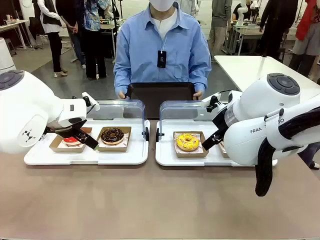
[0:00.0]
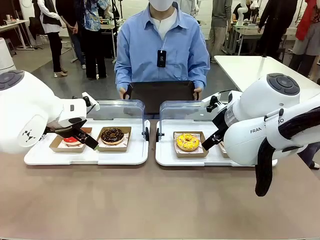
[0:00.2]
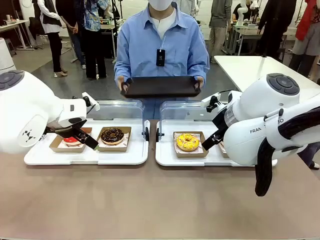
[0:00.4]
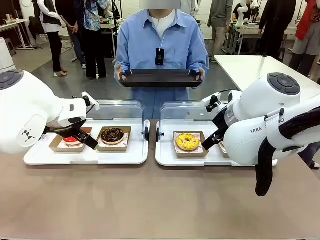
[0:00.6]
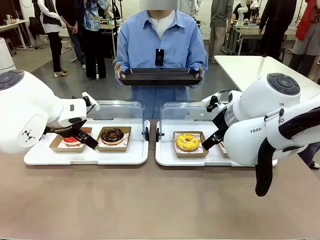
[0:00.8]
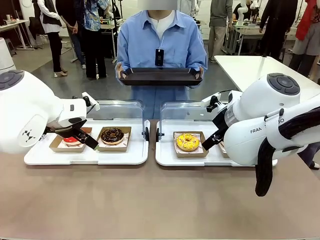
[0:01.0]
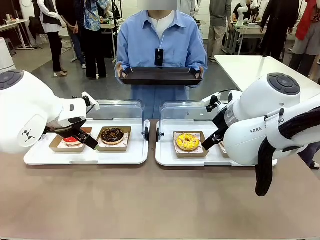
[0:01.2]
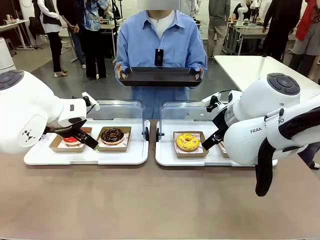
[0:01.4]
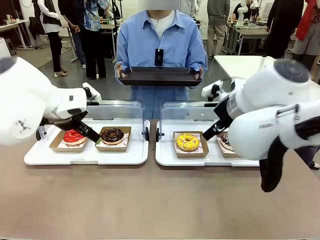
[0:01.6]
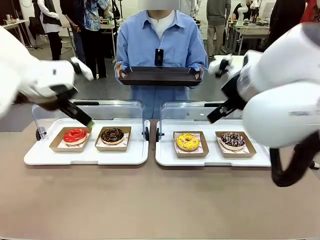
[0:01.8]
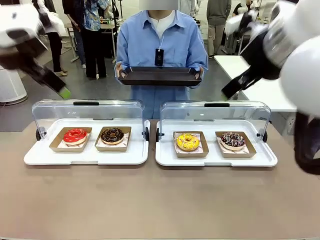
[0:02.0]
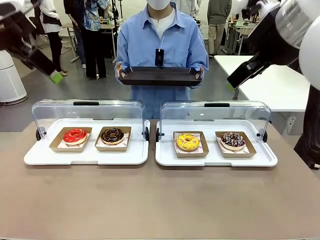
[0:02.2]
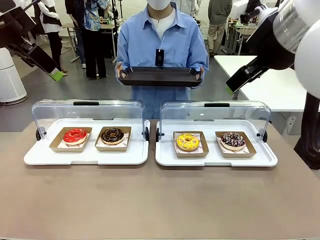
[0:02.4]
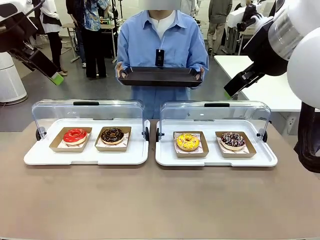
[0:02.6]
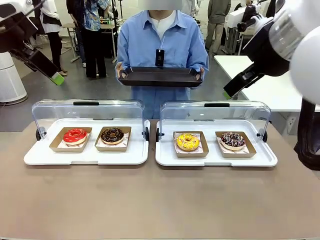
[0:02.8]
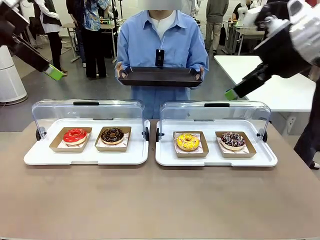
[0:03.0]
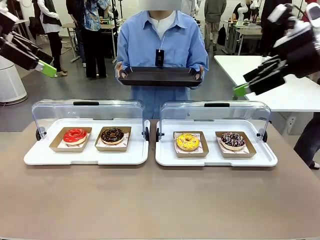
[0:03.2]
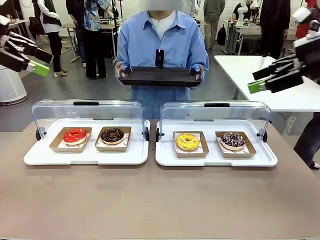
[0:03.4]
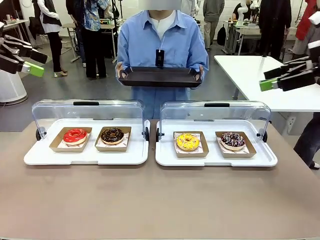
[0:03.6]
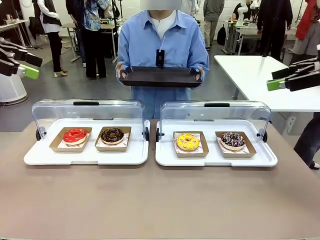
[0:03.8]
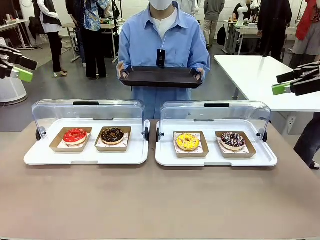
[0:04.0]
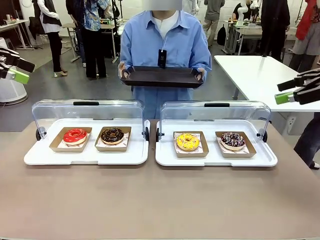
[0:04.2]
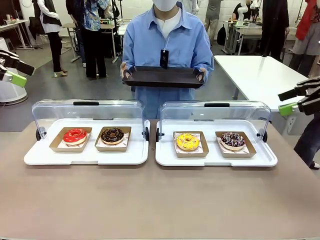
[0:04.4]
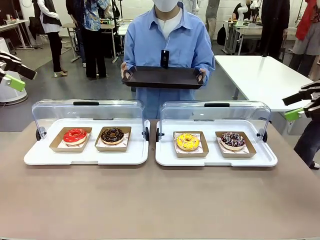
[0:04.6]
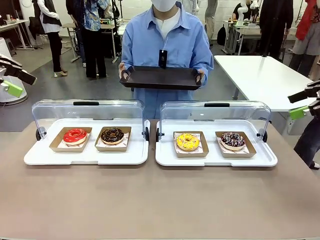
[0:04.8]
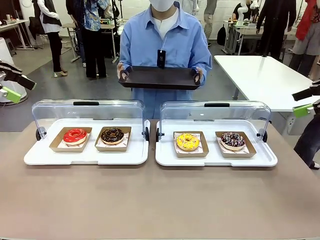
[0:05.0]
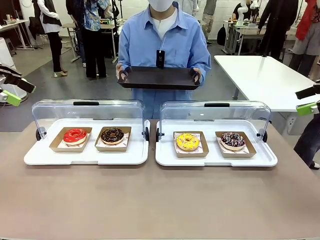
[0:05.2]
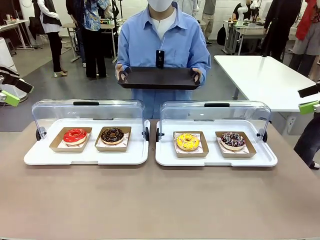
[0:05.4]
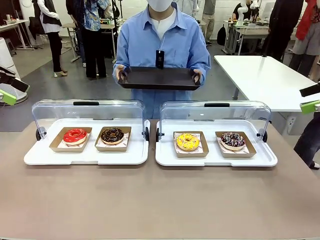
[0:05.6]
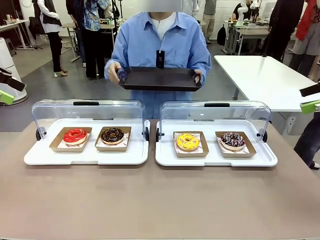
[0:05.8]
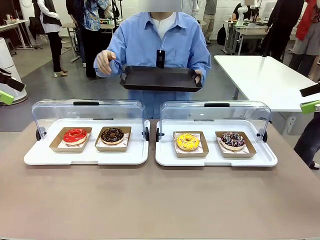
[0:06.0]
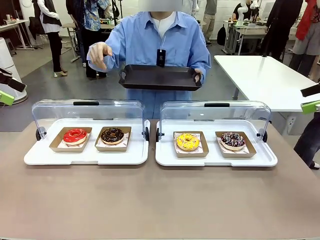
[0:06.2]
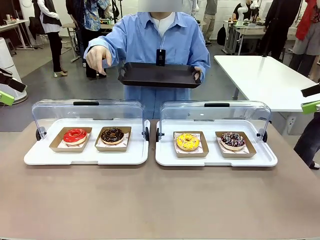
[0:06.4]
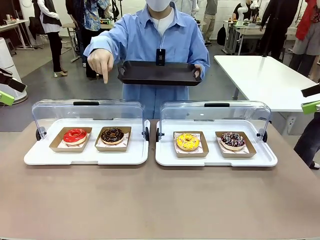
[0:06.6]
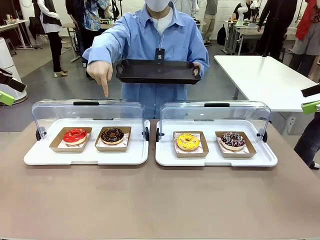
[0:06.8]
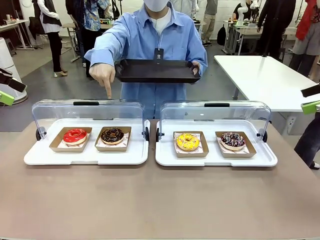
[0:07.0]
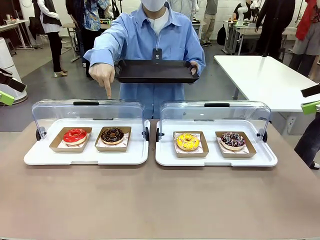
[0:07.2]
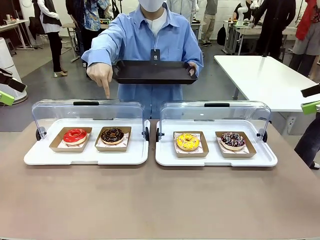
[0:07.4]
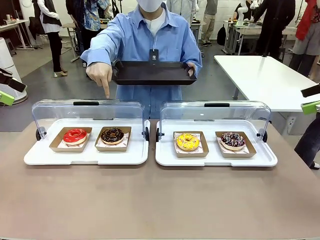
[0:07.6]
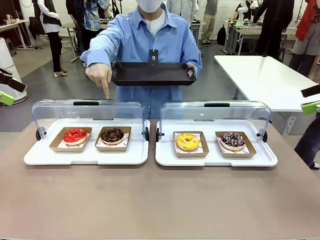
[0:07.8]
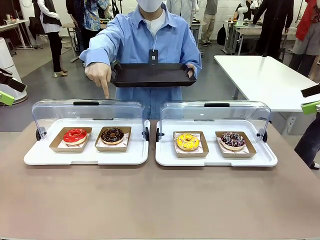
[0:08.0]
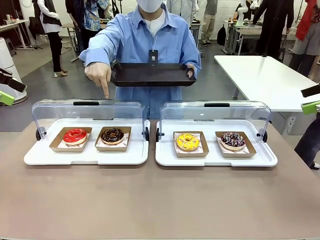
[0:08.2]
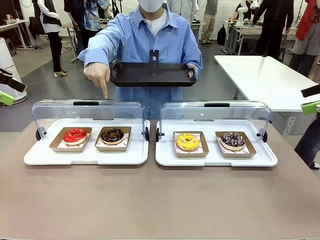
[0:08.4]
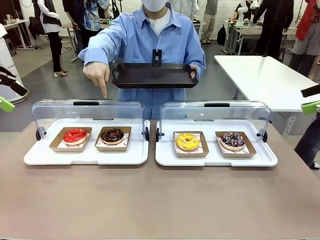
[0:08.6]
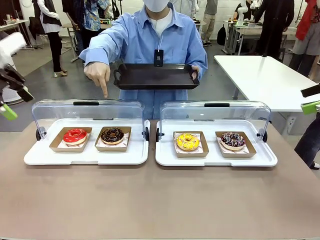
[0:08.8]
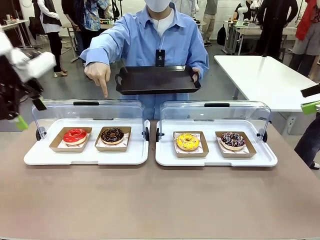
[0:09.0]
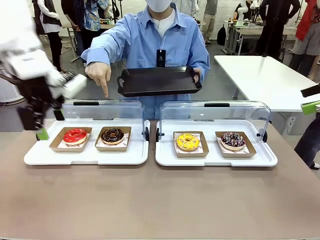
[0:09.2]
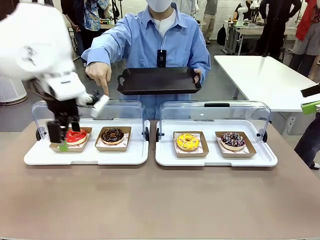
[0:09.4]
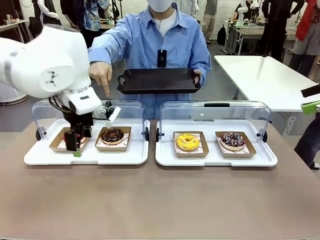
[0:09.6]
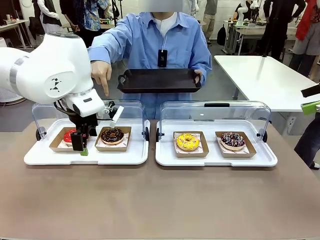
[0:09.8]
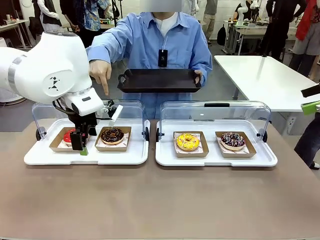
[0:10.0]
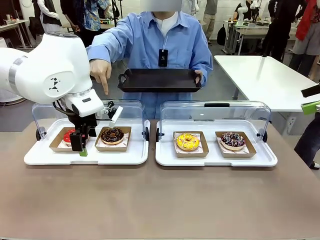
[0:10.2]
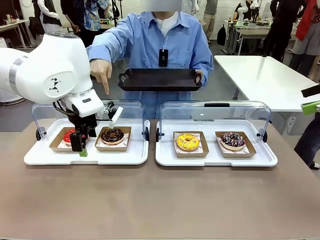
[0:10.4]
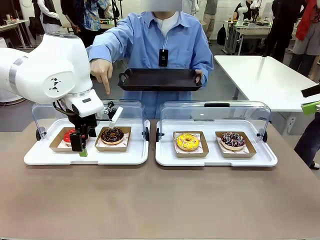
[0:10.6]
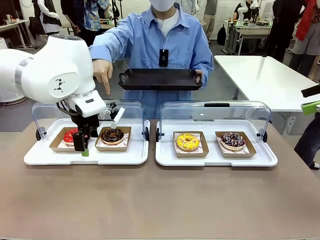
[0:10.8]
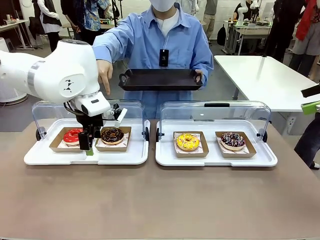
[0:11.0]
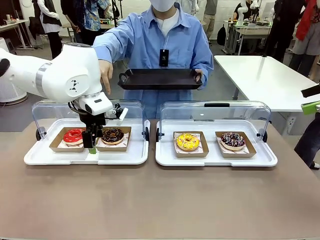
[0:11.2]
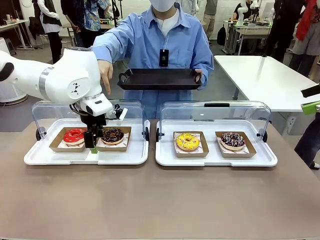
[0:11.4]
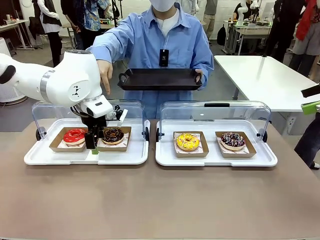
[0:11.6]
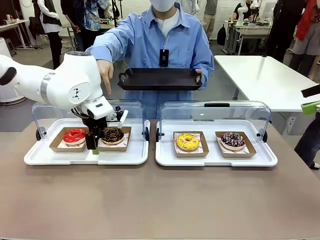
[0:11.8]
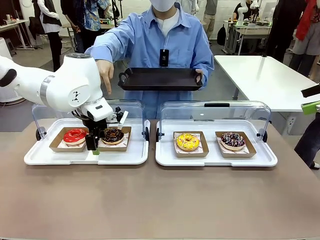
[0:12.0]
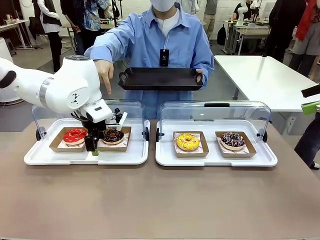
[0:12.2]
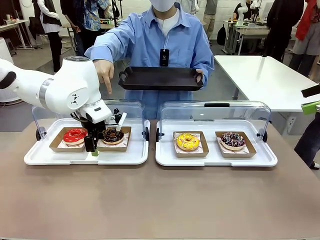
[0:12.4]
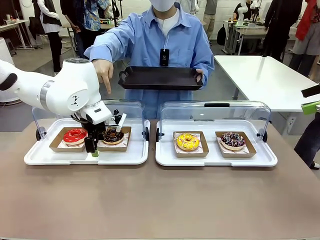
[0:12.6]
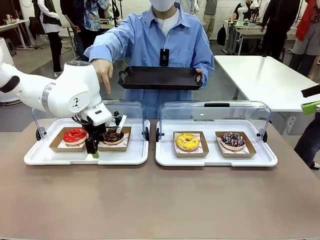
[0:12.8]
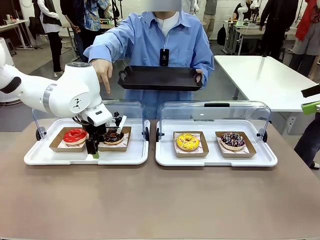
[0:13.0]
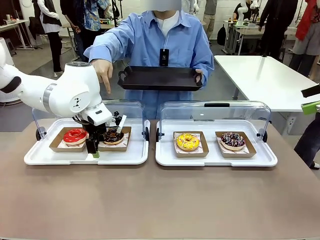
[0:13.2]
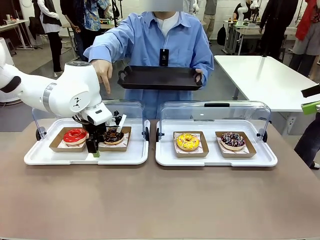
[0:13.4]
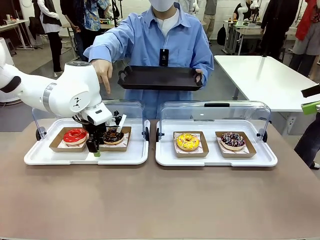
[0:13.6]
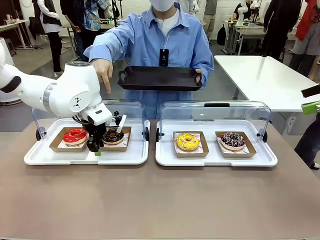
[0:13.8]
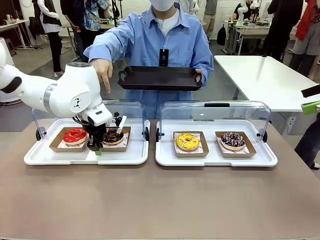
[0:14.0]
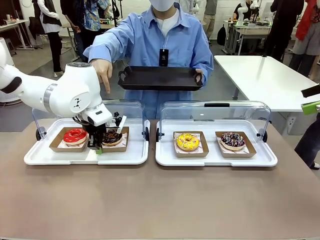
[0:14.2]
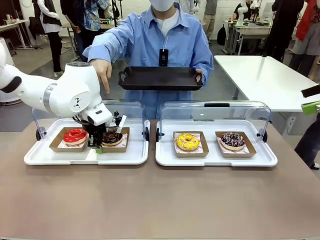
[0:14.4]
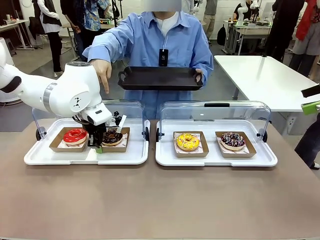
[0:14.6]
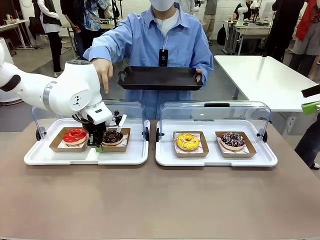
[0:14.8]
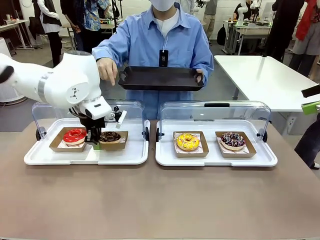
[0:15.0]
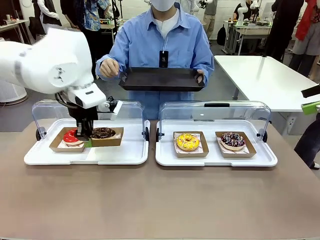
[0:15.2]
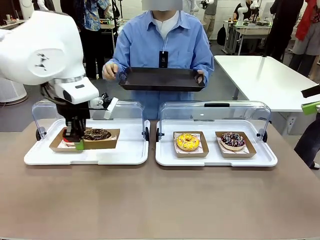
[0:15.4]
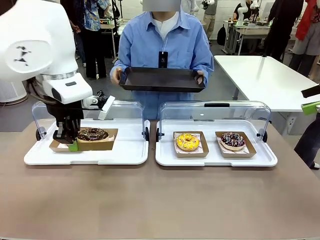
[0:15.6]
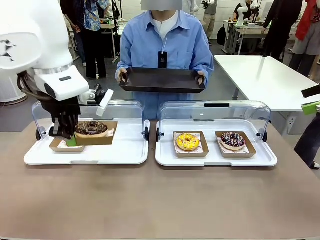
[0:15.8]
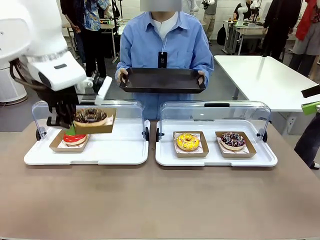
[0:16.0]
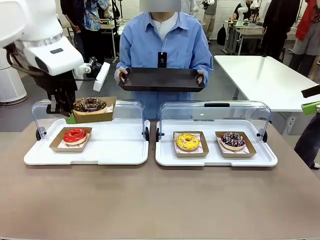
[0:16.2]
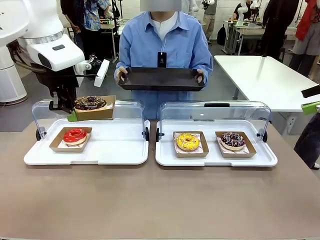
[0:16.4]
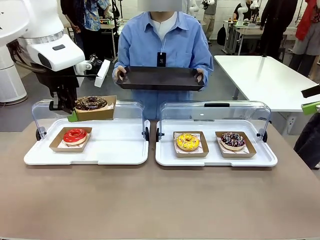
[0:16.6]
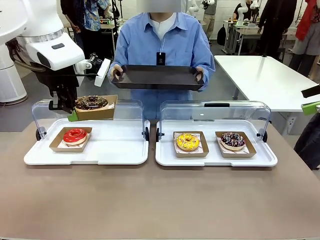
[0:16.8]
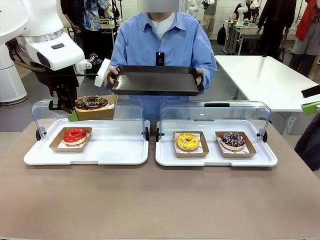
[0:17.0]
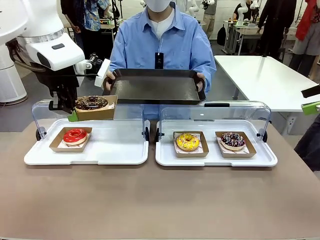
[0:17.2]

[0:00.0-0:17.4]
Task: Provide the desired donut to the person.
Robot: Pick up and lift the Paper togo box containing the Donut pointed at by the person.
Person: Point to one donut. Lift the tray onto the Roll-Top Bakery Case.

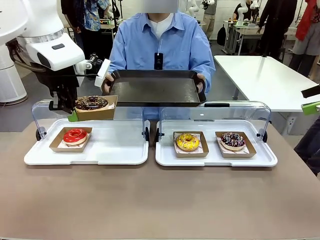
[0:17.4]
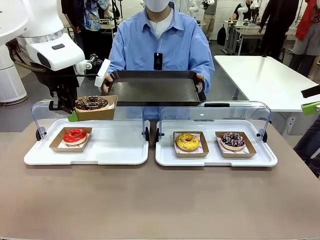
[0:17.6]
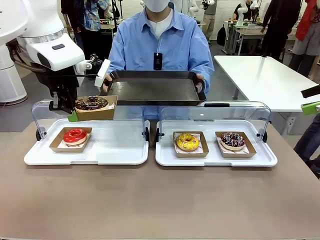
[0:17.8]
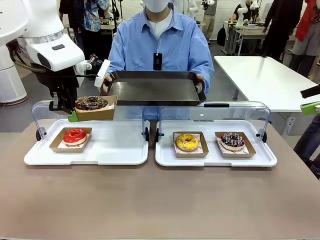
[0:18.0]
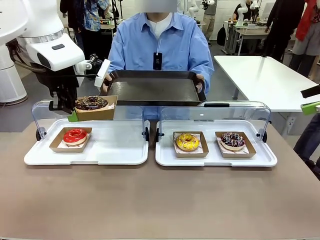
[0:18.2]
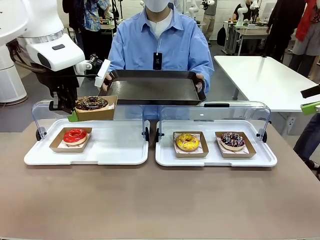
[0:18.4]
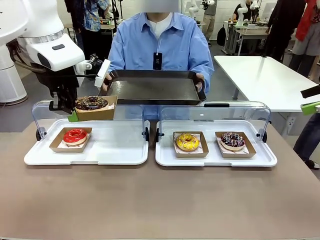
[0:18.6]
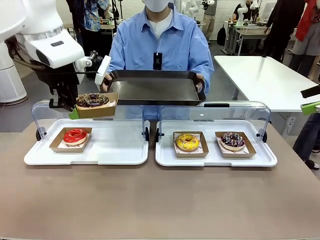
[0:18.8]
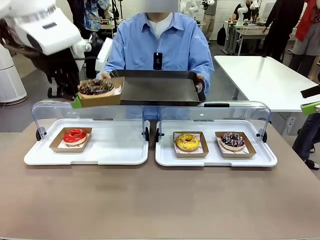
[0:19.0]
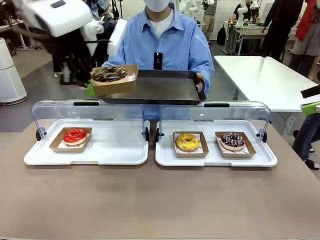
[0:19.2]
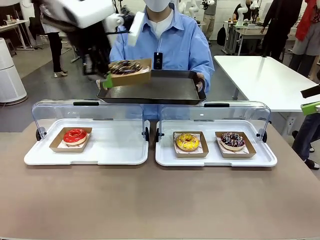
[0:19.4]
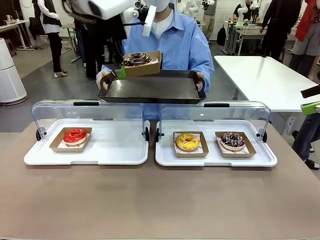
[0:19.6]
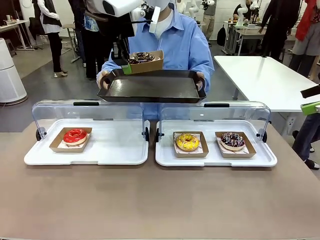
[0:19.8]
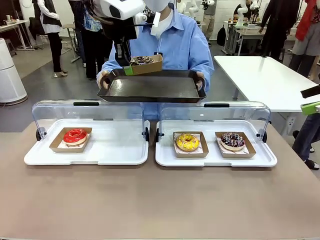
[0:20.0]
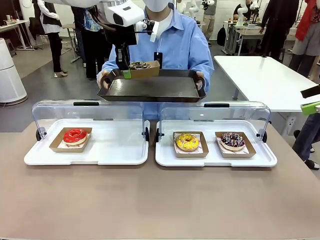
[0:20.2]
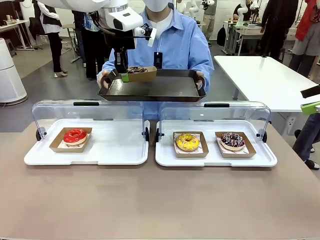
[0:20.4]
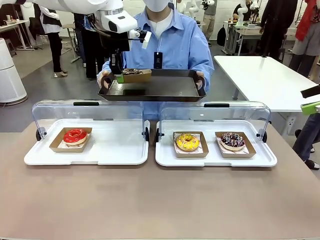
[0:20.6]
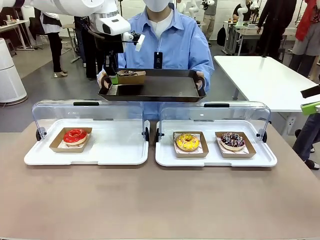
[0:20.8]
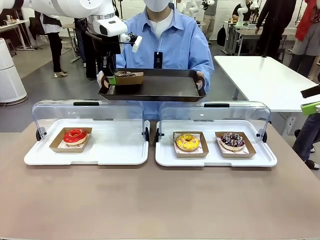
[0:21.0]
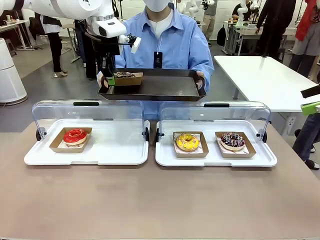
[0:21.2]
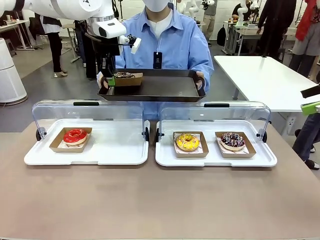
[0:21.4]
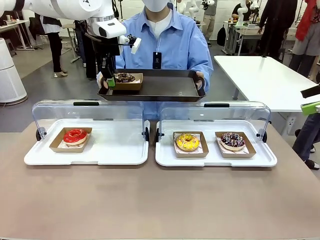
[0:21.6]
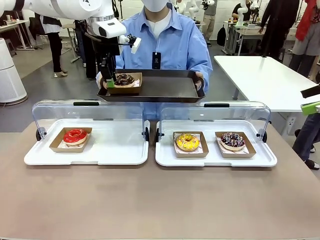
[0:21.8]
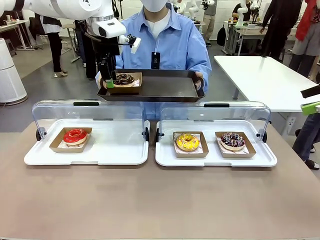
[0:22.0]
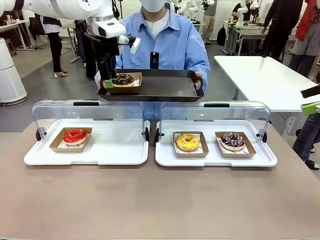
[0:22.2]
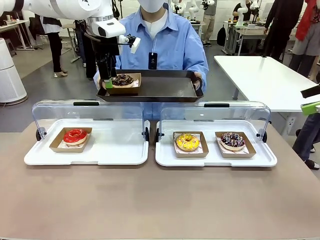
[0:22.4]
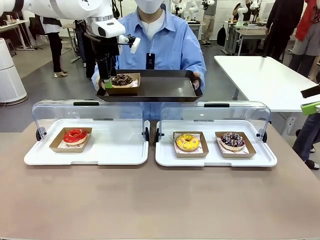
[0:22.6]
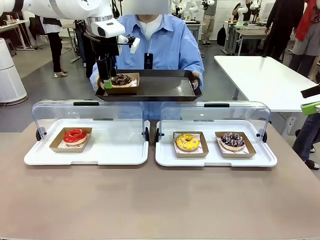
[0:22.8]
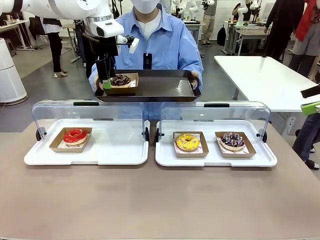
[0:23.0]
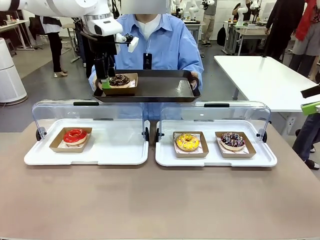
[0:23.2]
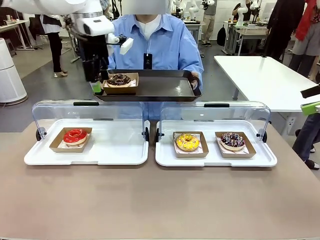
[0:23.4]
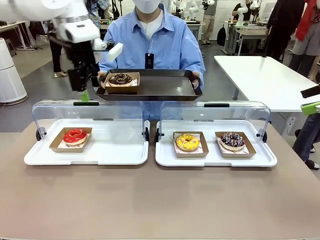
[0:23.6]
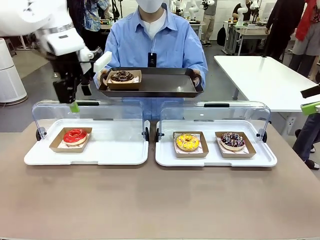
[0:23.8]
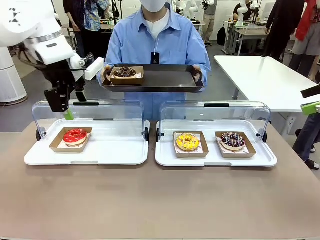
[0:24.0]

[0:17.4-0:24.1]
Robot: Place the picked Paper togo box onto the Handle tray extended by the person.
